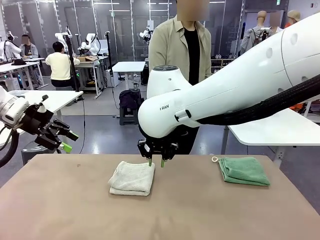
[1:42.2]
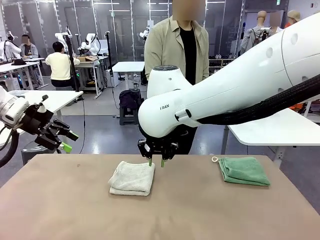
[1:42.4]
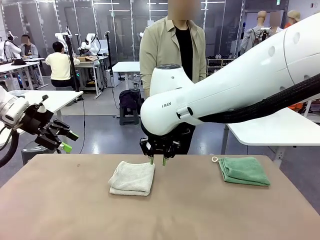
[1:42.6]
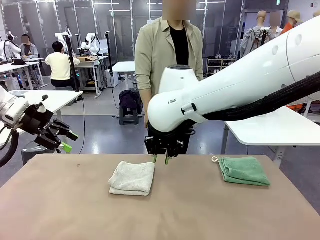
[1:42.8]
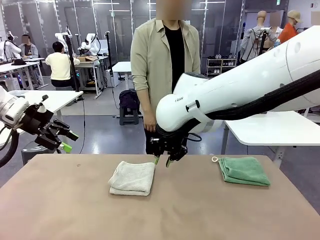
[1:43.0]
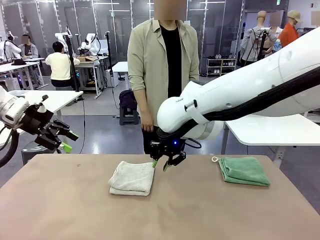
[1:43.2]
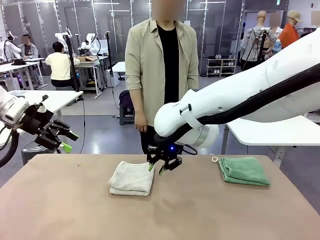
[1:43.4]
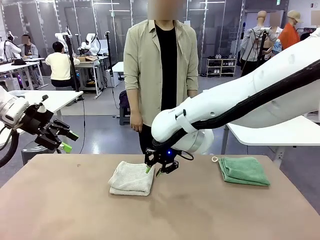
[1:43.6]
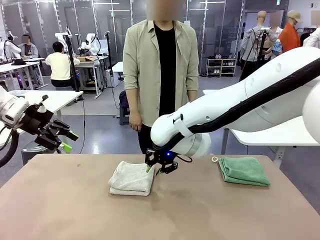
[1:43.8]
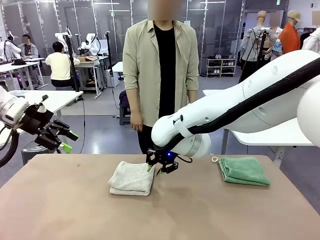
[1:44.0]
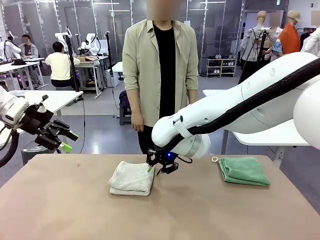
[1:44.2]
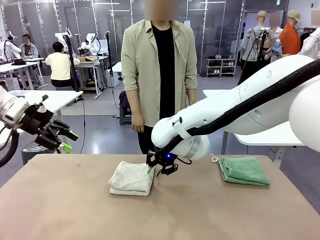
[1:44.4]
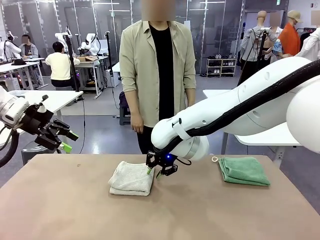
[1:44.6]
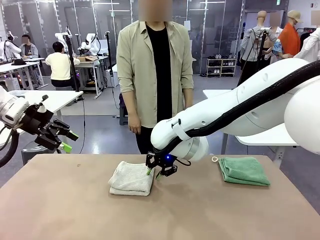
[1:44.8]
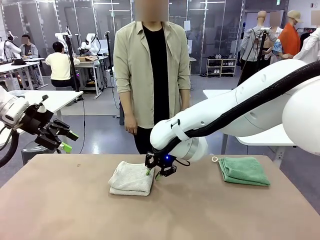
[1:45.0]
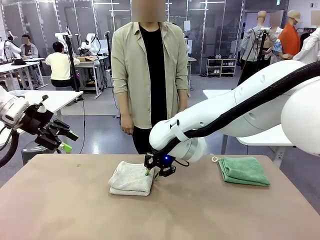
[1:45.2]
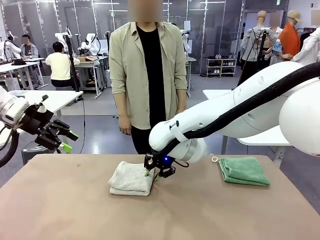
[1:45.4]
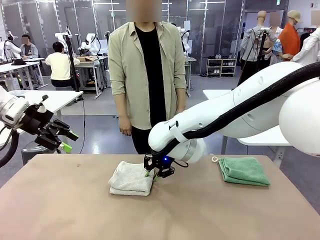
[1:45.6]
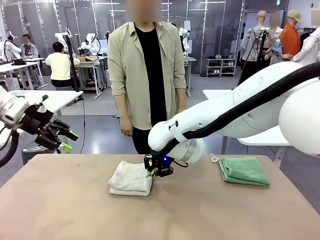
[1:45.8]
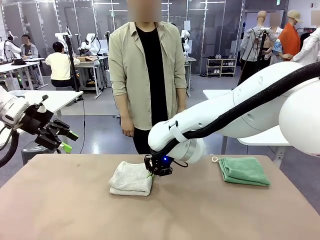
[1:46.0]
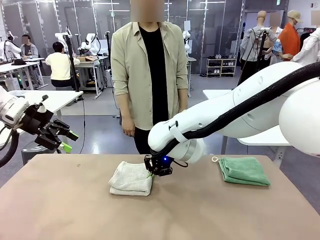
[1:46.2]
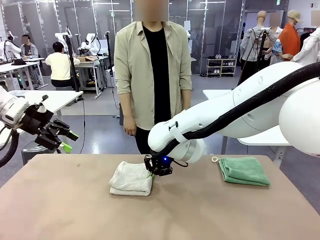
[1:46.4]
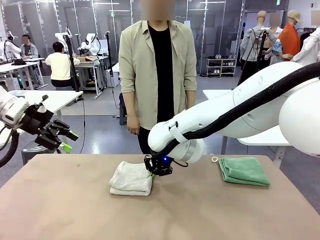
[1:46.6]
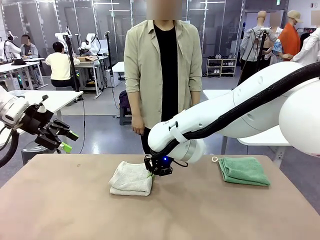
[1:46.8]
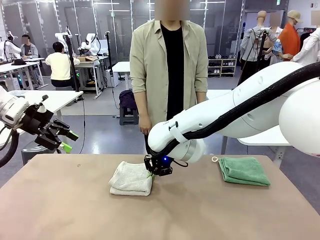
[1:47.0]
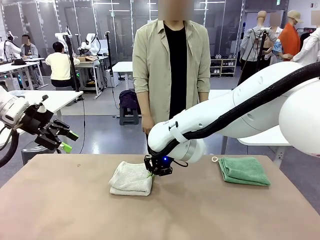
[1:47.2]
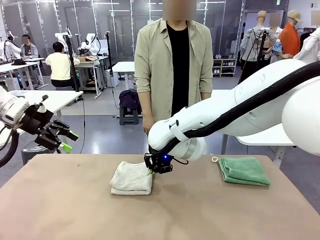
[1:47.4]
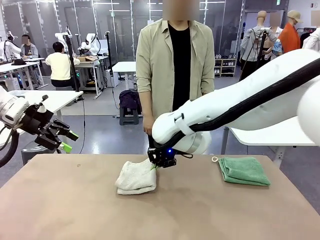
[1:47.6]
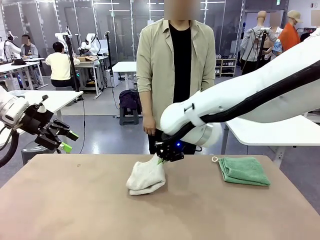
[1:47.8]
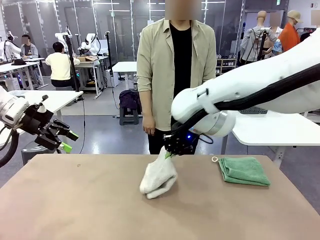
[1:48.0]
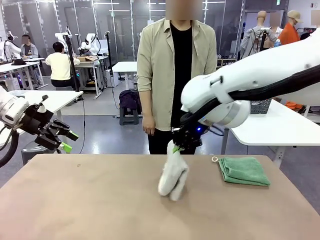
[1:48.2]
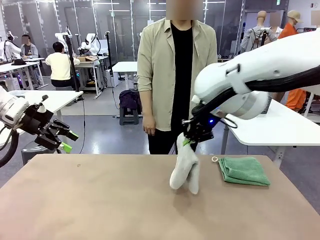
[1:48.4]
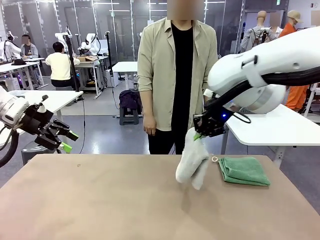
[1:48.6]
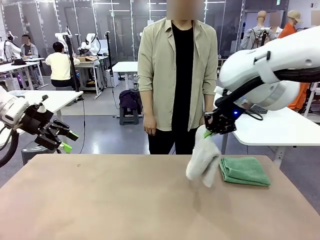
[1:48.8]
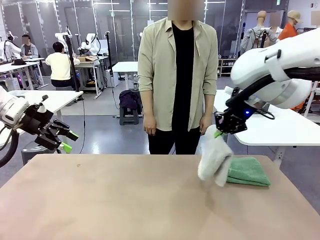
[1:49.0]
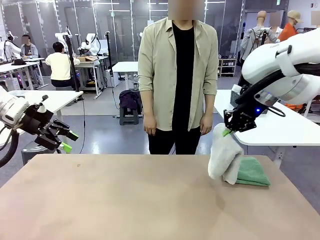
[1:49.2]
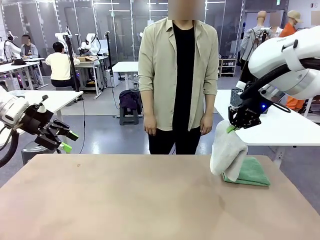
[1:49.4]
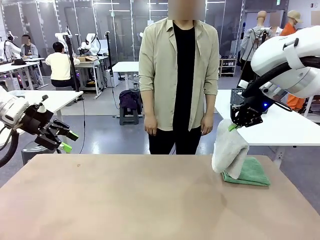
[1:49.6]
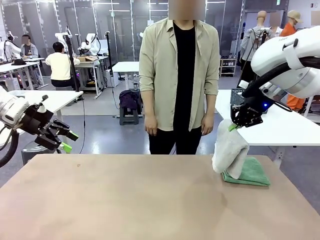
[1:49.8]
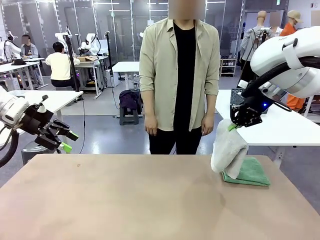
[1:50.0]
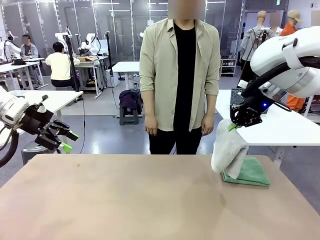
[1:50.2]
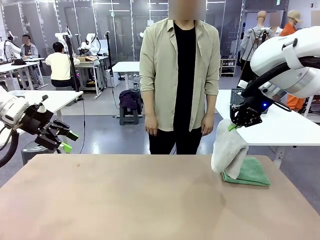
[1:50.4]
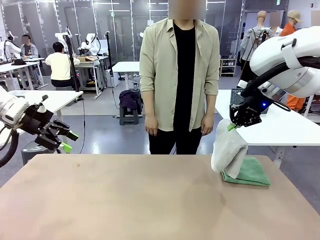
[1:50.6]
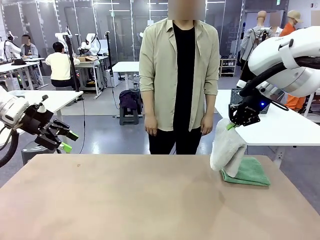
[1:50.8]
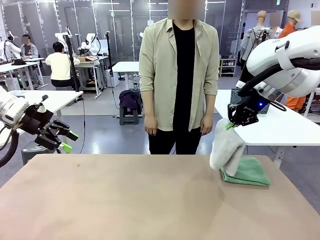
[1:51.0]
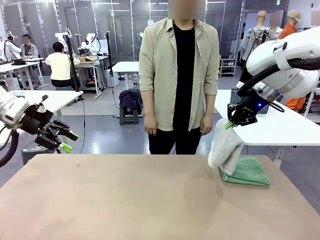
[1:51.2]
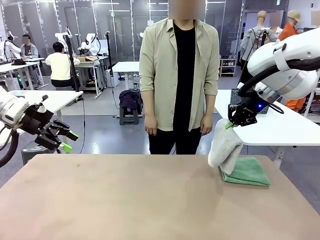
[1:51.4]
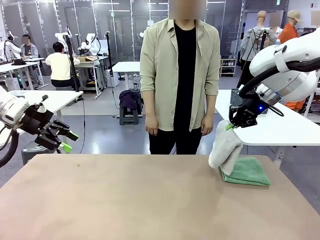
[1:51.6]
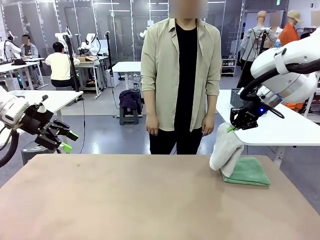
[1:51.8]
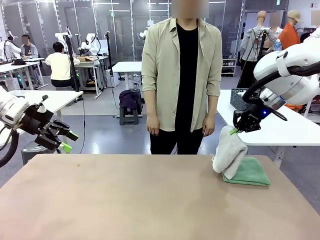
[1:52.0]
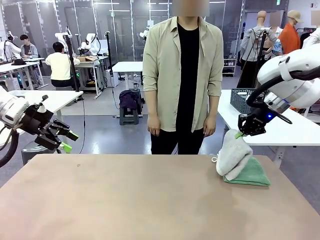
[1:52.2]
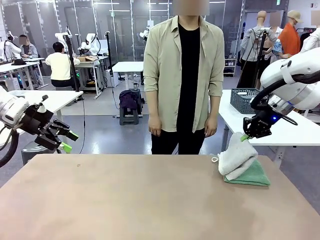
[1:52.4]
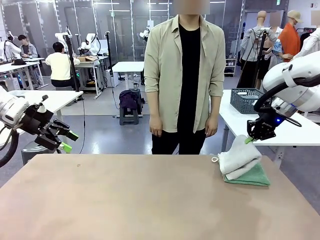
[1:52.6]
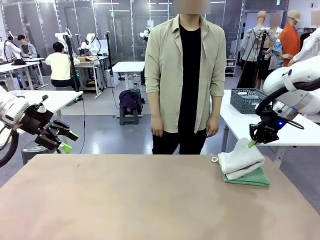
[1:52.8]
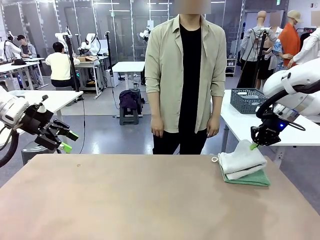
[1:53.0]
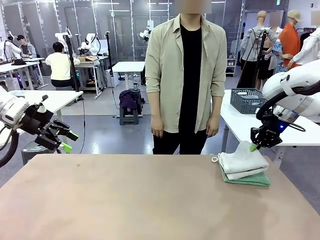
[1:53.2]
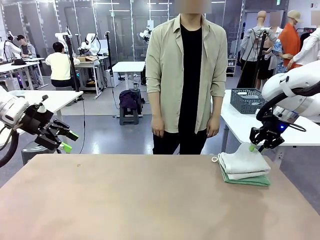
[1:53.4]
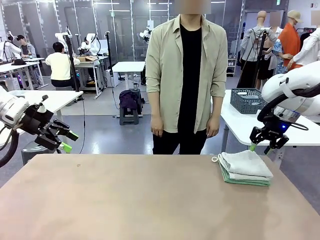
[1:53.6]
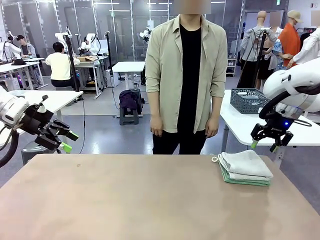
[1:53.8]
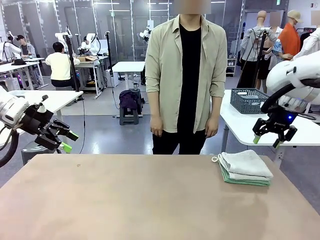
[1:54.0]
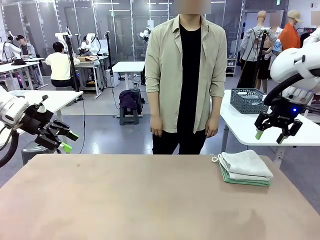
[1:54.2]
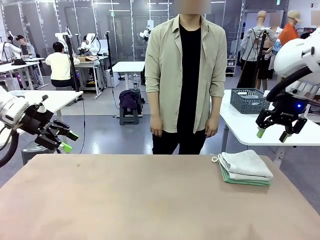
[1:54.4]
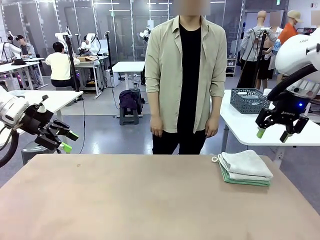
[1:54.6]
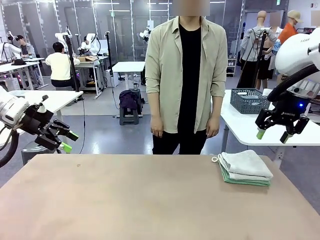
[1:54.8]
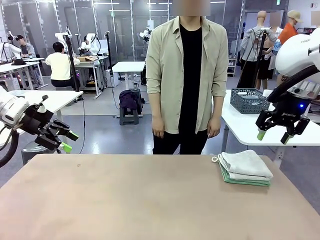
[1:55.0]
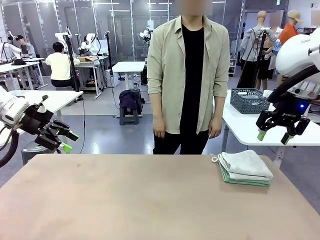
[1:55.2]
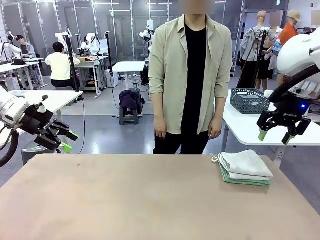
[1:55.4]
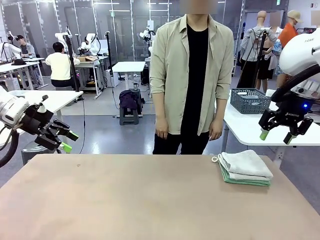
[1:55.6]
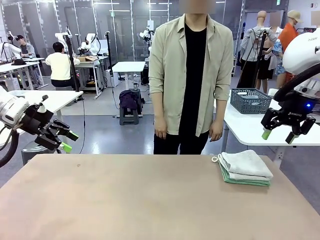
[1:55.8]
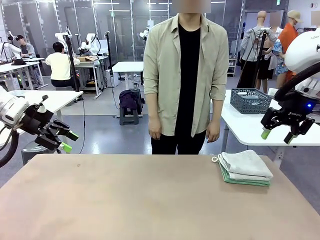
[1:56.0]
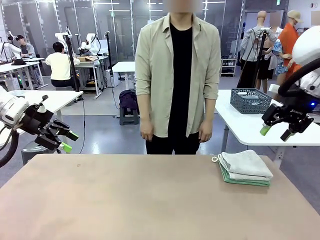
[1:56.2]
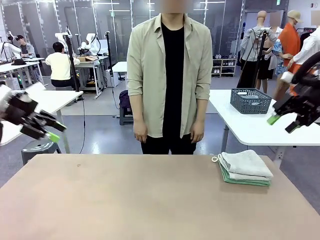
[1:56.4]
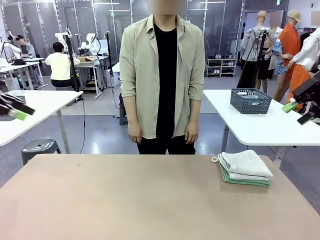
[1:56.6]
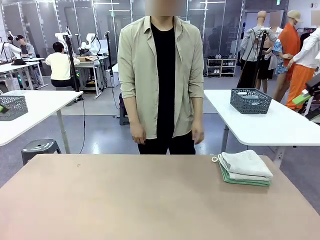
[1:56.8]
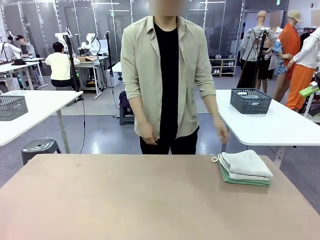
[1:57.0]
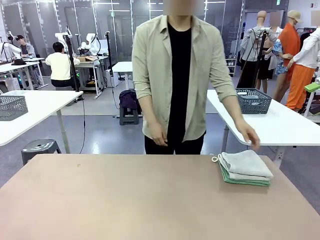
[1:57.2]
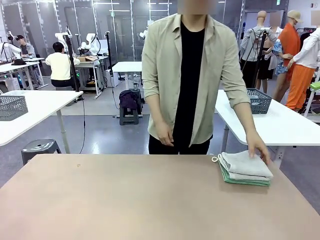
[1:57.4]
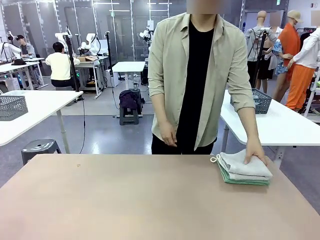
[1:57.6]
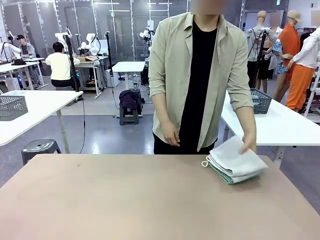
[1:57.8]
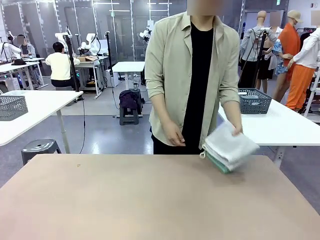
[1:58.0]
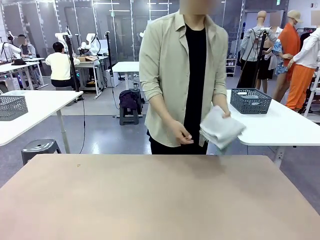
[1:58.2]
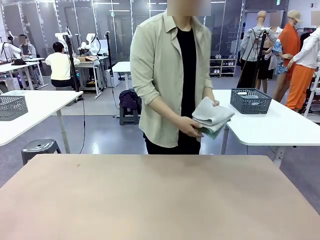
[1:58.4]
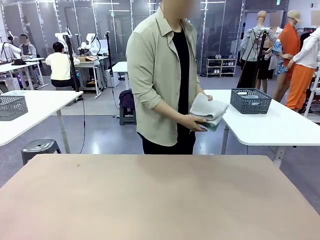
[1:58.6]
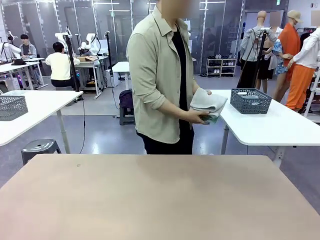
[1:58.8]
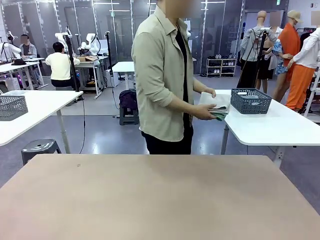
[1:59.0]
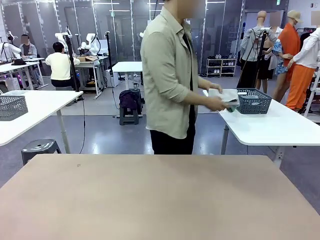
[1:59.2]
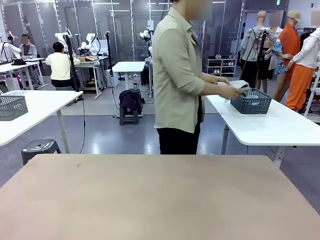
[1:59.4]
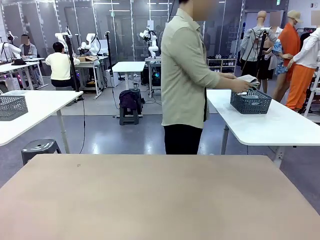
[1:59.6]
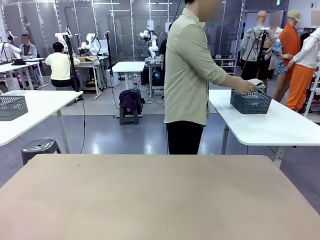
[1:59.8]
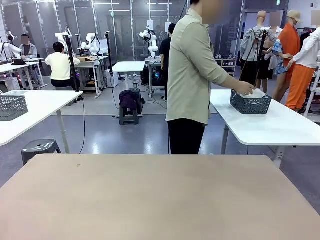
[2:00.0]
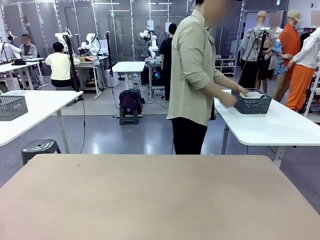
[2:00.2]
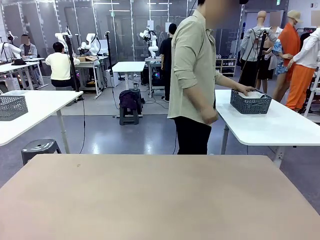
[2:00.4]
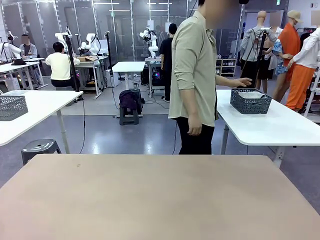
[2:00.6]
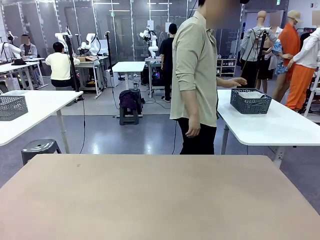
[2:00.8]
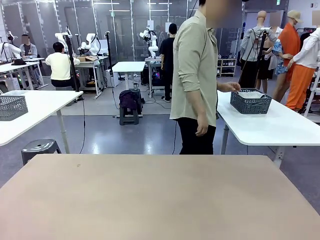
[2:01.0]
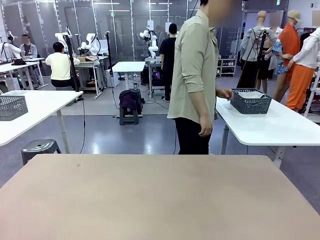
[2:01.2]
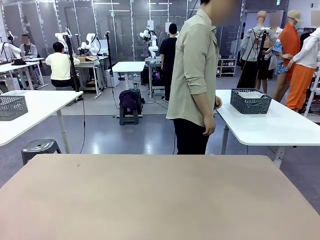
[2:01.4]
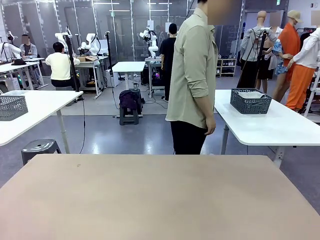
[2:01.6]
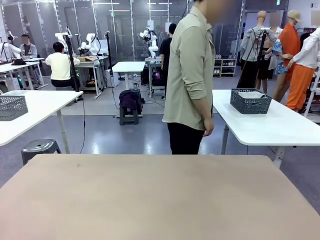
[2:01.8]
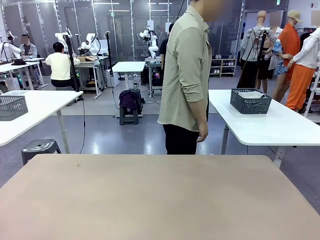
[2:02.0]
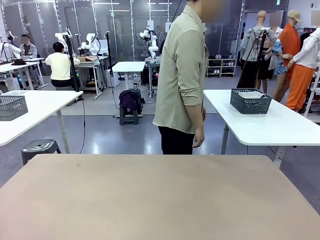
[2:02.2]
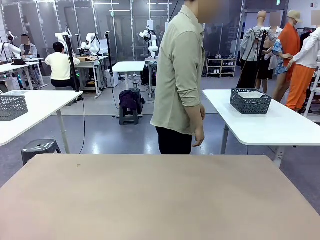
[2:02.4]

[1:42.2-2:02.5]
Task: Fold the towels and place them in the basket.
Robot: Stack the folded Towel with hook on the right side of the table.
Person: Pick up the stack of towels from the robot table and place it into the basket.
